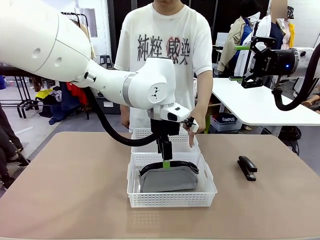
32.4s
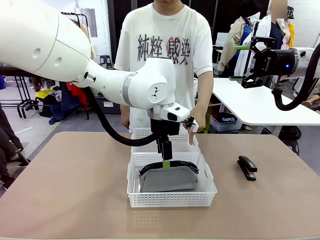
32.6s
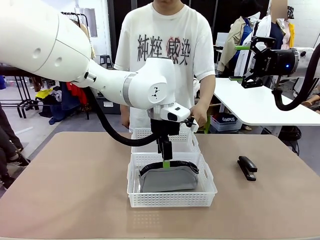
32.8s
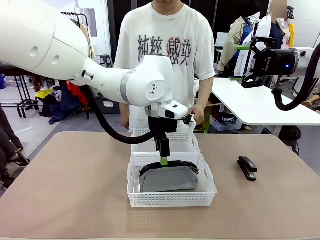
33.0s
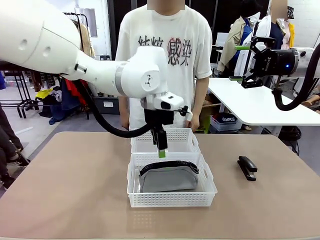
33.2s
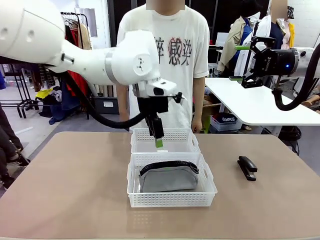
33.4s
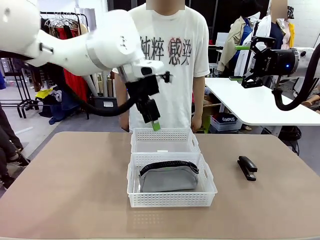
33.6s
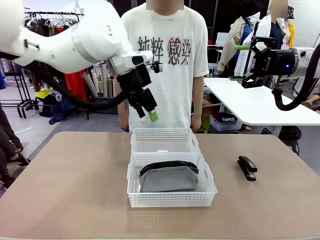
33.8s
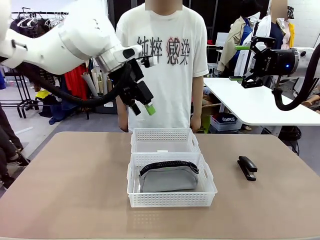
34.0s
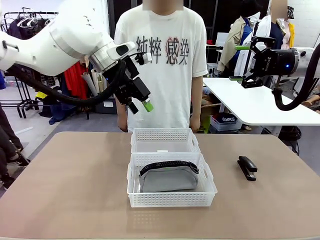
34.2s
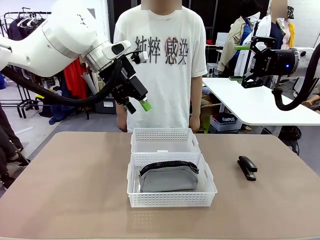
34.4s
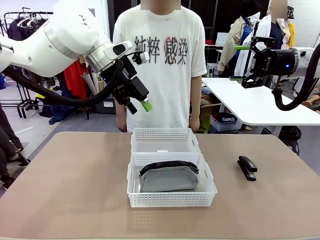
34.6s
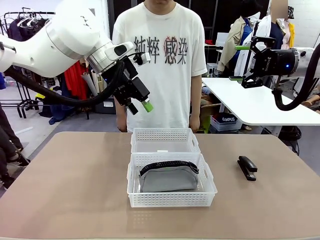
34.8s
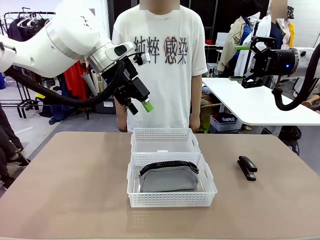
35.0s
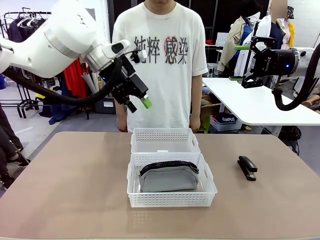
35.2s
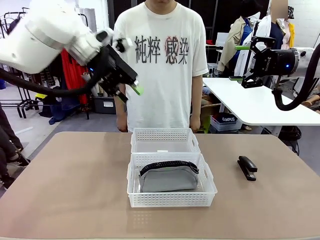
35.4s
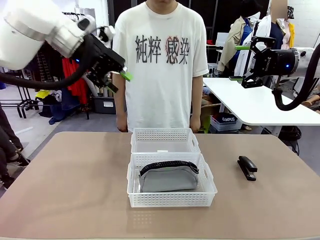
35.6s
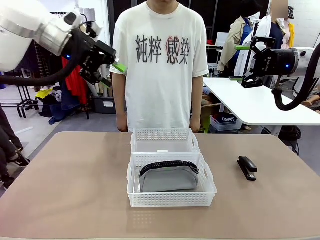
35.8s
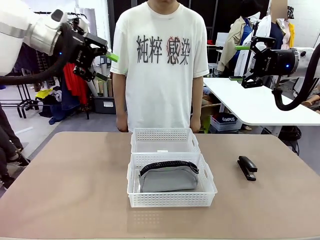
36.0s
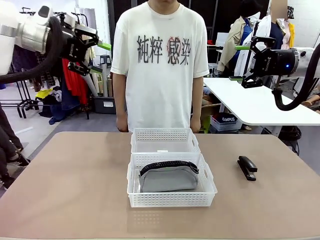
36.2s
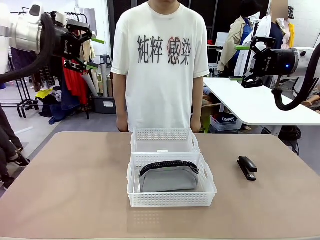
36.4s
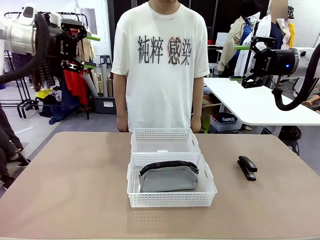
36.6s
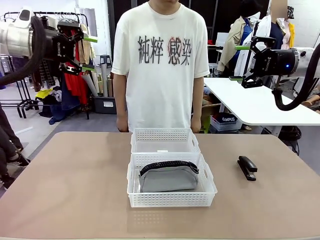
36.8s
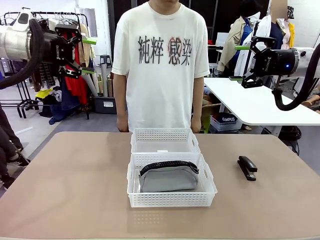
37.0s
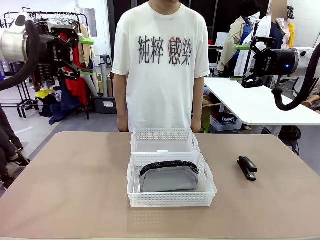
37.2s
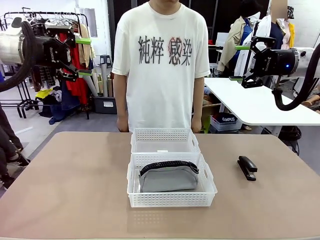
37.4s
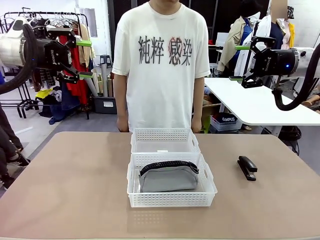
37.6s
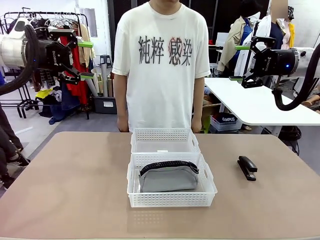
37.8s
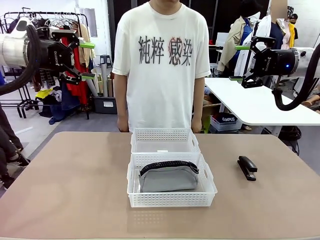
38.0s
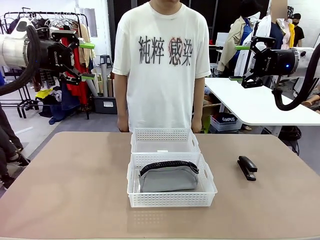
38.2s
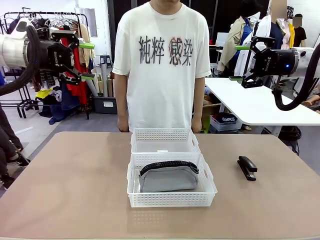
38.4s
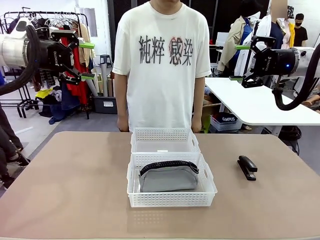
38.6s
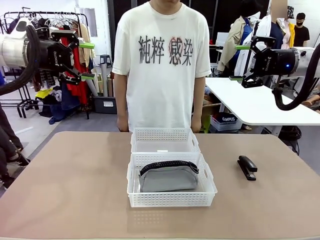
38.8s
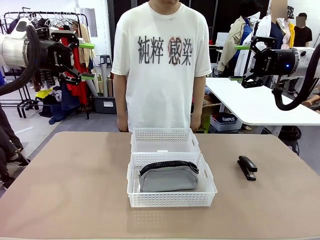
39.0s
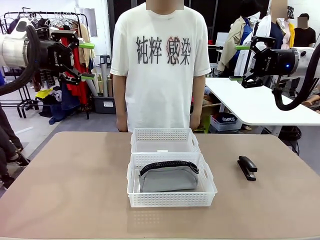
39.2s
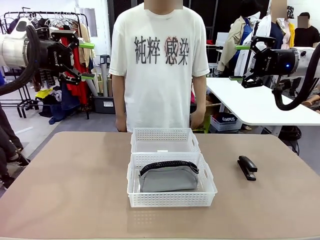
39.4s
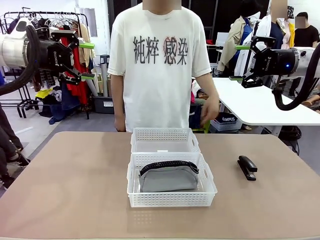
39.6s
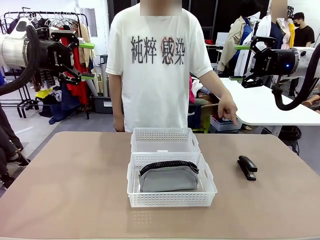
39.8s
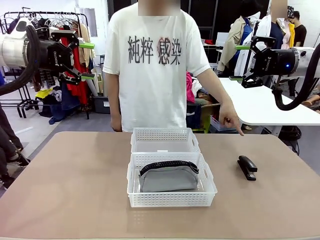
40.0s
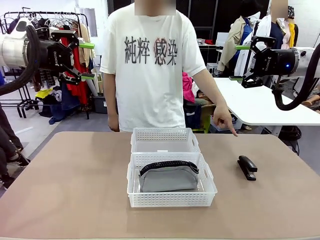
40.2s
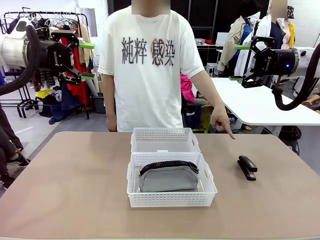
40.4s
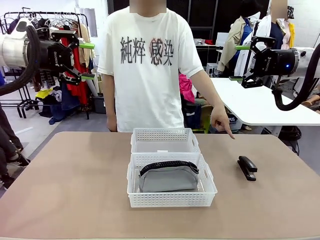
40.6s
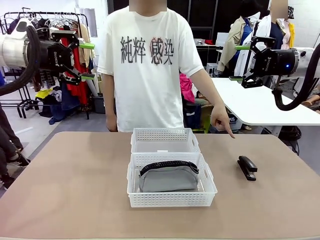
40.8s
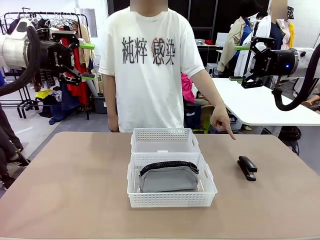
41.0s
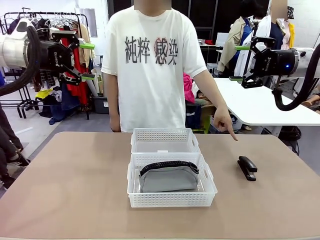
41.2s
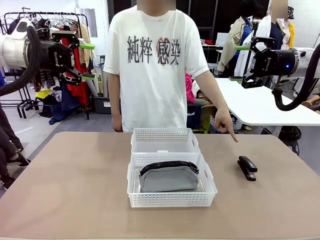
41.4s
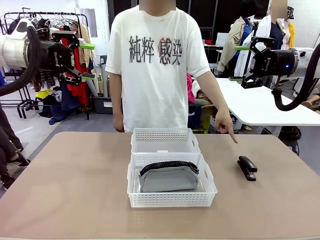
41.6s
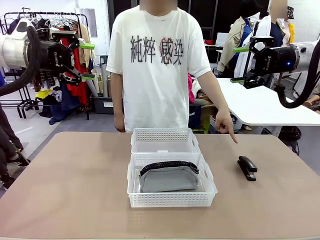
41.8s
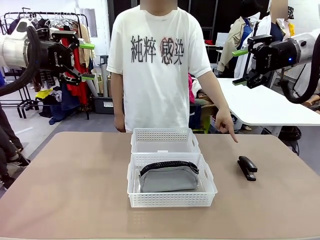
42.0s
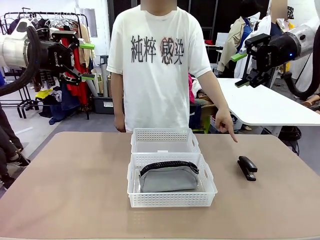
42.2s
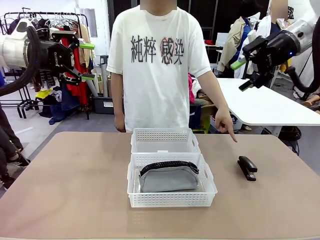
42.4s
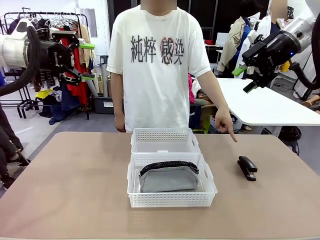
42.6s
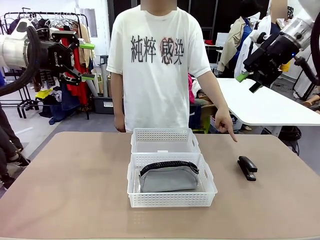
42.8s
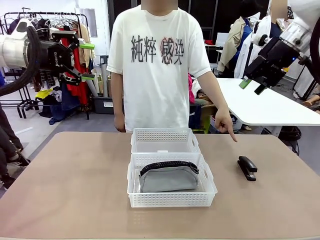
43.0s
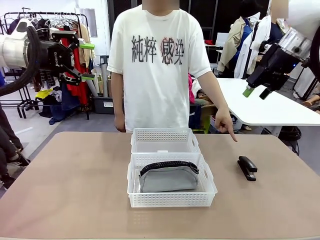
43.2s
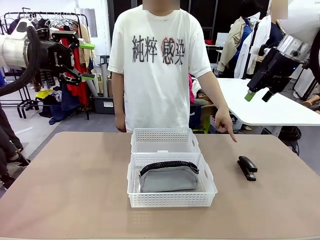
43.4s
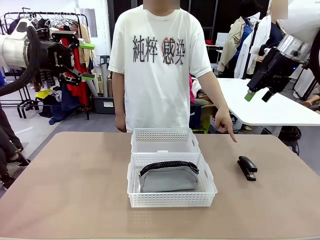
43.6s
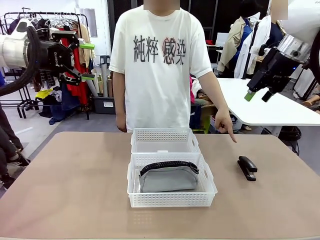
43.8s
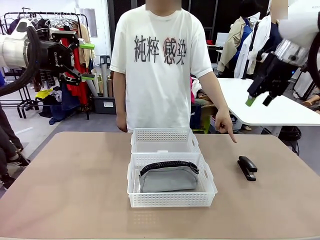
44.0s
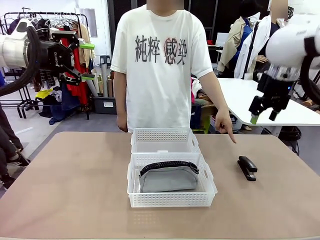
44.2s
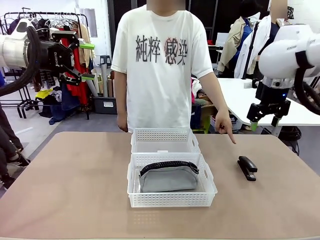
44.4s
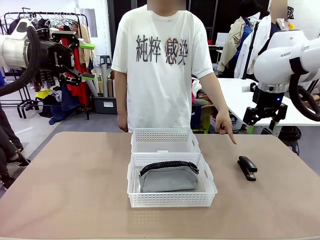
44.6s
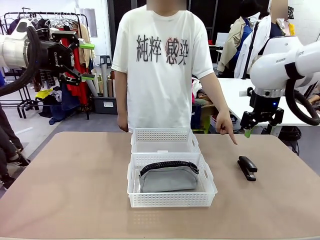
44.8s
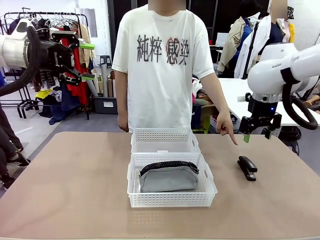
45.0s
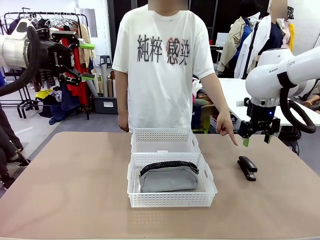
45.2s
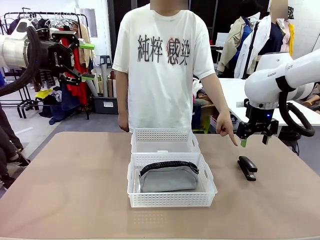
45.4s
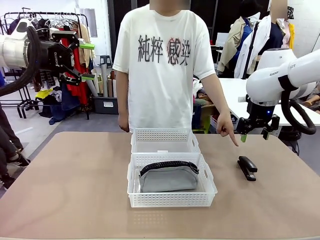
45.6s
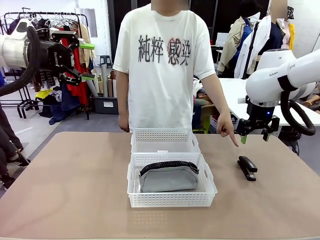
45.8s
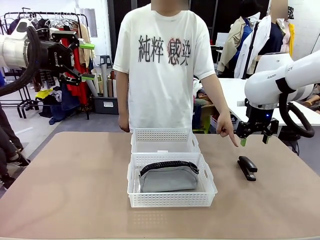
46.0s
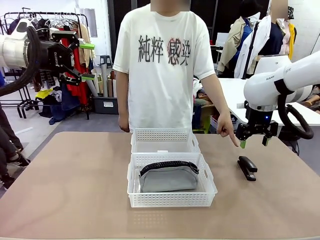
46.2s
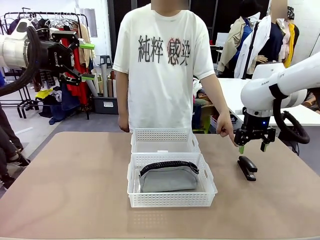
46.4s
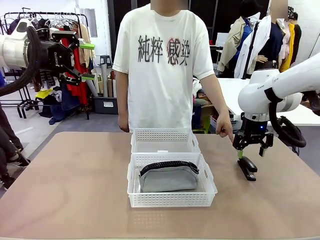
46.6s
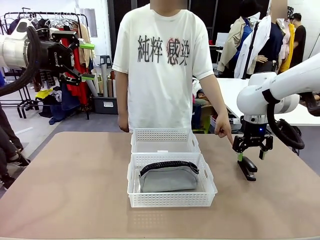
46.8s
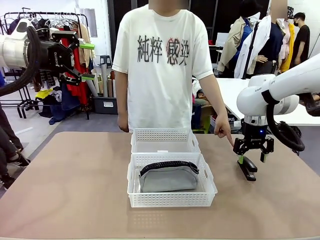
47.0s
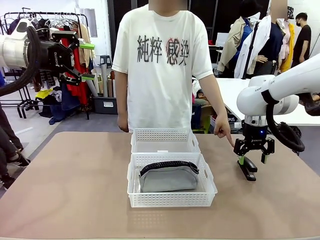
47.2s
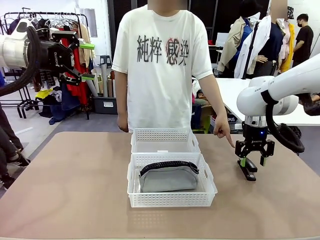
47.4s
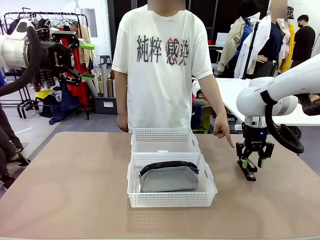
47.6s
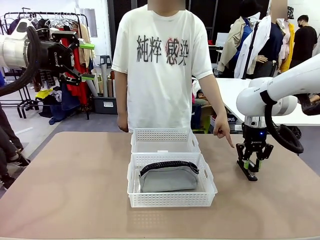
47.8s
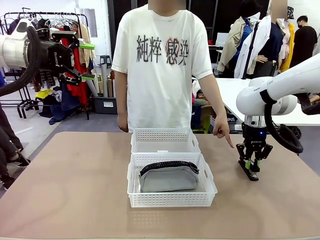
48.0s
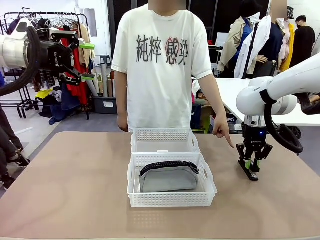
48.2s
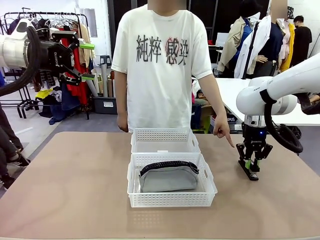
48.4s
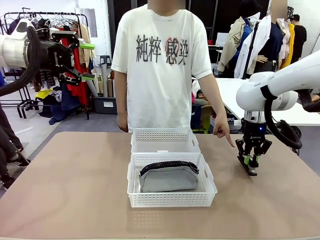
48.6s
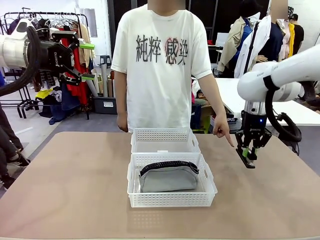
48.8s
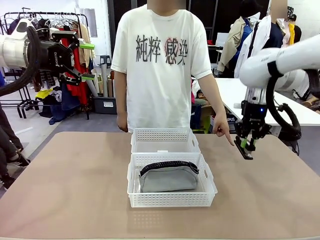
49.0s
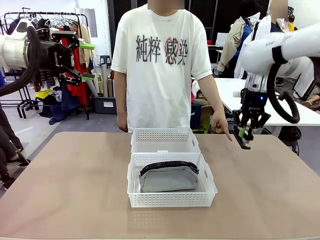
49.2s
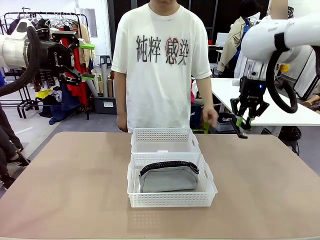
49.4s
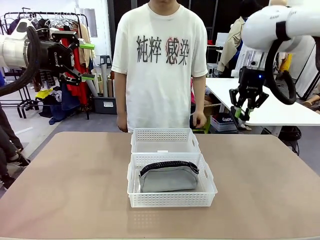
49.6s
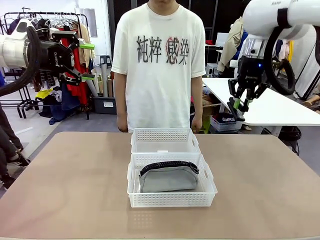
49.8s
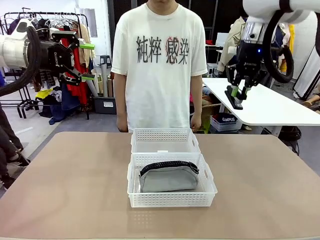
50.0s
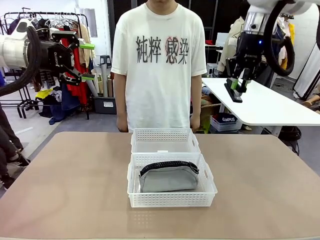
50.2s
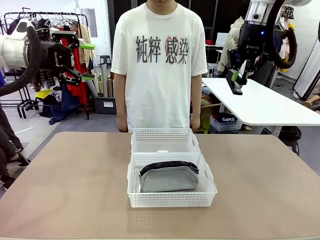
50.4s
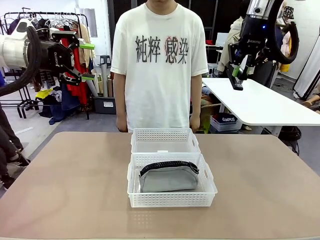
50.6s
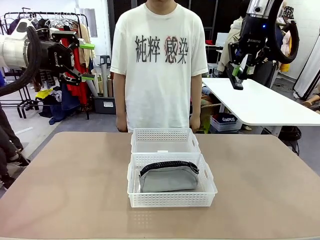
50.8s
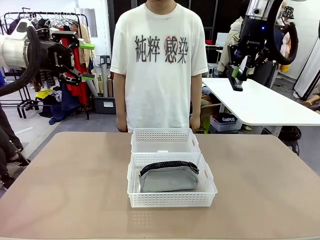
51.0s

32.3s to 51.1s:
Task: Distribute items into two baskets.
Robot: Pick up the Stapler that the person points to.
Person: Points to the stapler.
